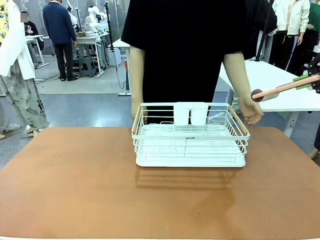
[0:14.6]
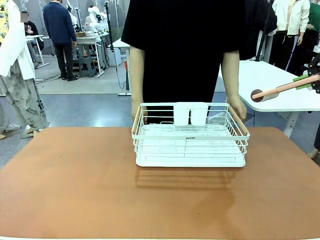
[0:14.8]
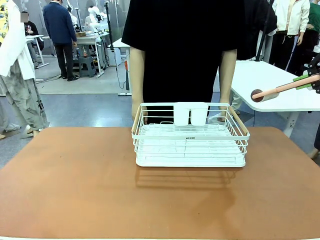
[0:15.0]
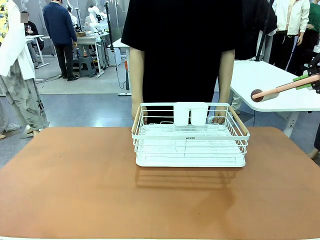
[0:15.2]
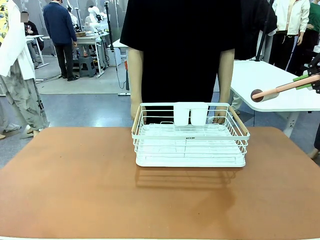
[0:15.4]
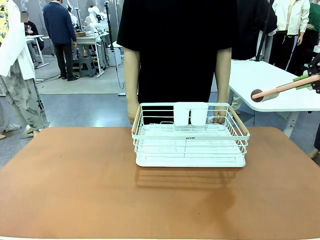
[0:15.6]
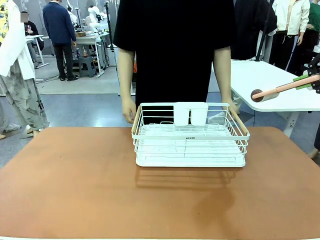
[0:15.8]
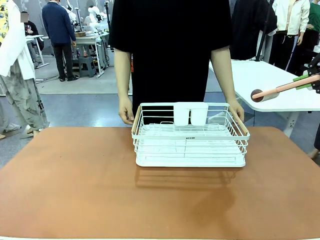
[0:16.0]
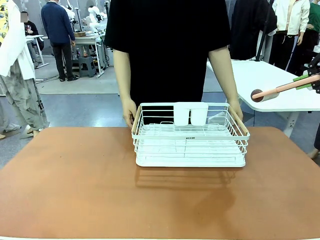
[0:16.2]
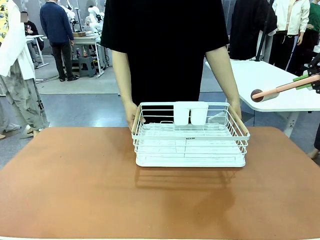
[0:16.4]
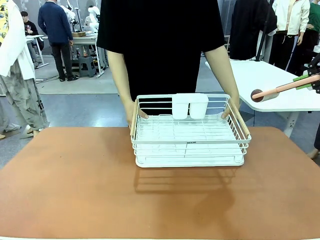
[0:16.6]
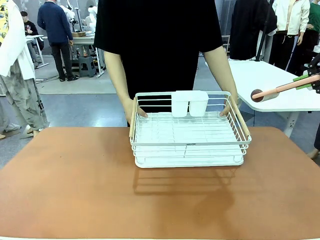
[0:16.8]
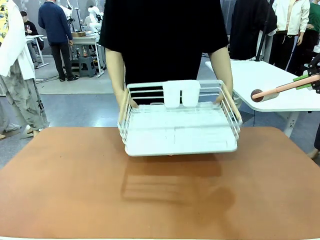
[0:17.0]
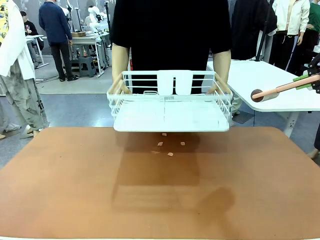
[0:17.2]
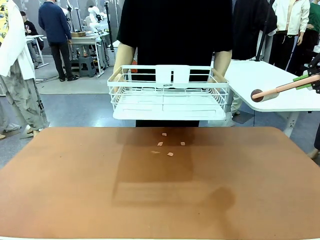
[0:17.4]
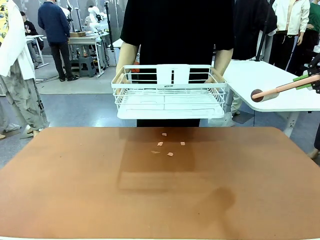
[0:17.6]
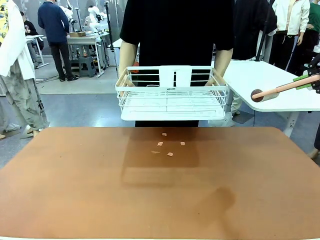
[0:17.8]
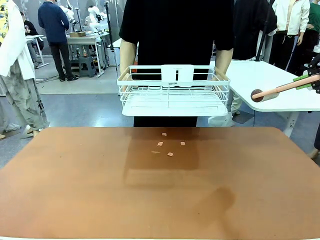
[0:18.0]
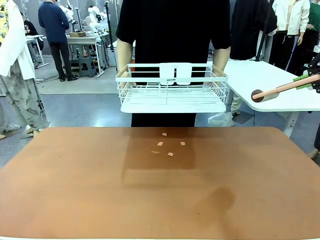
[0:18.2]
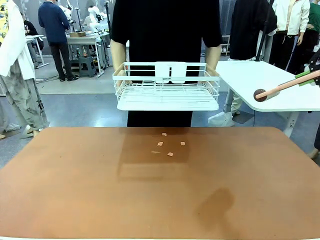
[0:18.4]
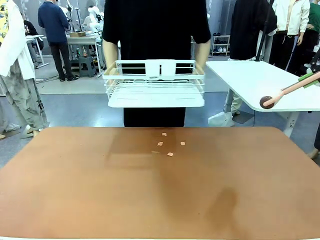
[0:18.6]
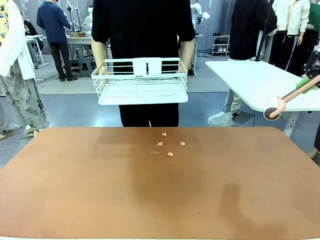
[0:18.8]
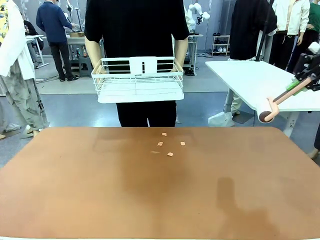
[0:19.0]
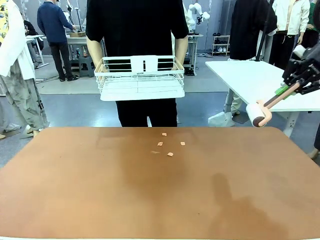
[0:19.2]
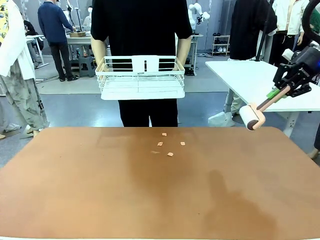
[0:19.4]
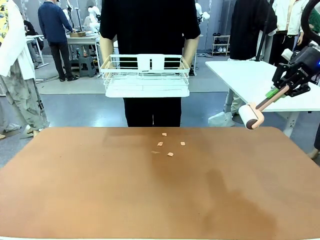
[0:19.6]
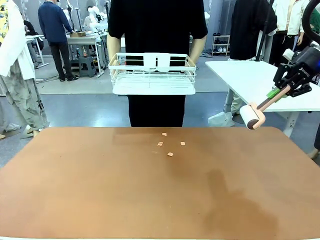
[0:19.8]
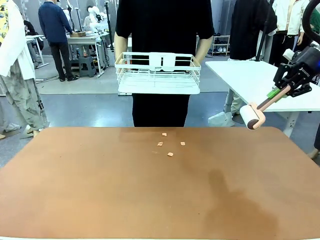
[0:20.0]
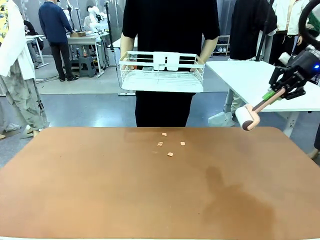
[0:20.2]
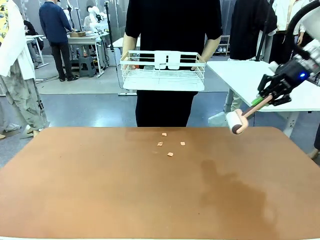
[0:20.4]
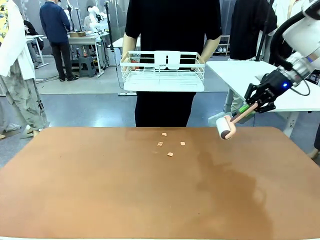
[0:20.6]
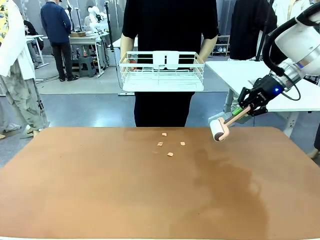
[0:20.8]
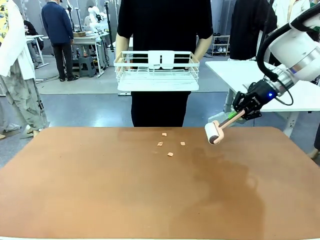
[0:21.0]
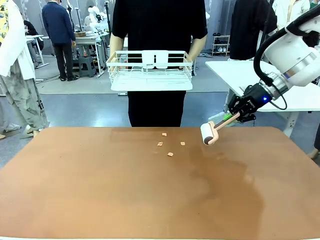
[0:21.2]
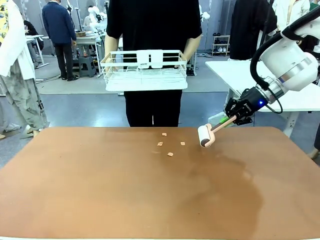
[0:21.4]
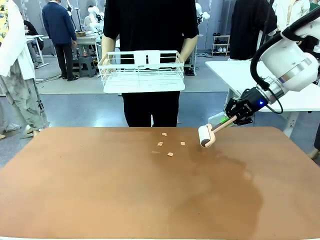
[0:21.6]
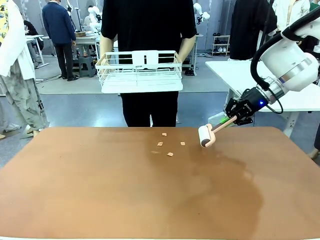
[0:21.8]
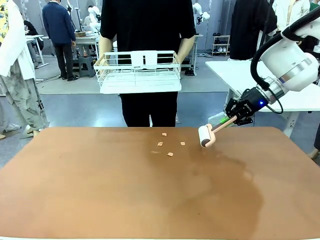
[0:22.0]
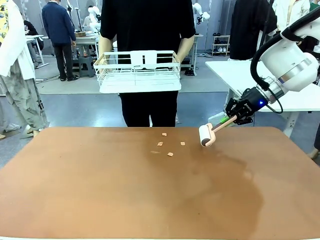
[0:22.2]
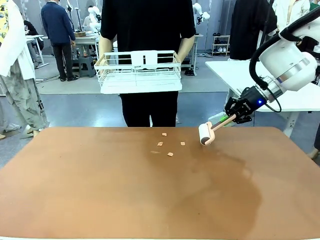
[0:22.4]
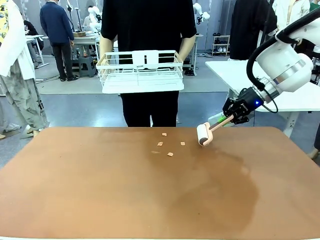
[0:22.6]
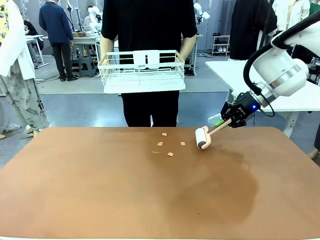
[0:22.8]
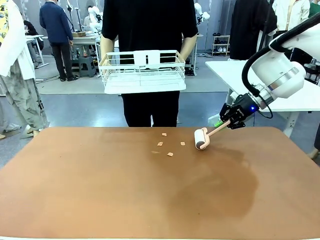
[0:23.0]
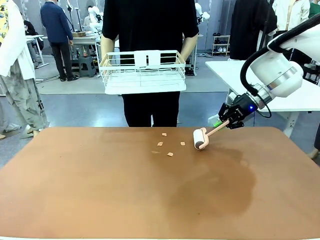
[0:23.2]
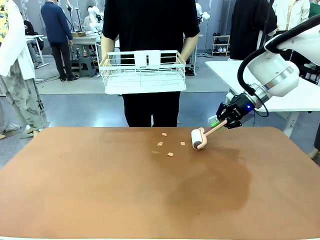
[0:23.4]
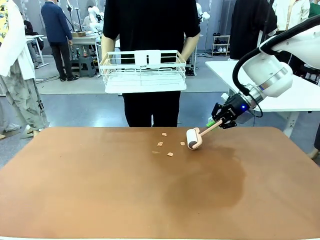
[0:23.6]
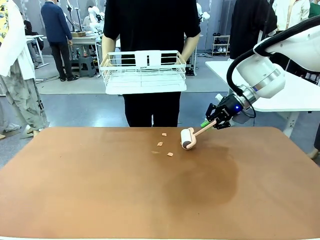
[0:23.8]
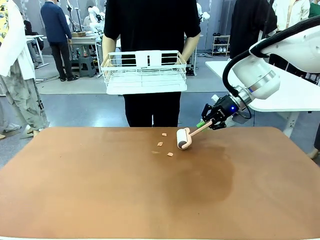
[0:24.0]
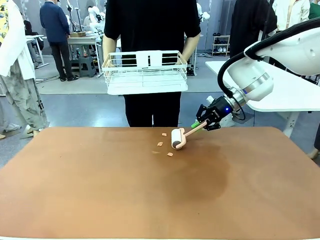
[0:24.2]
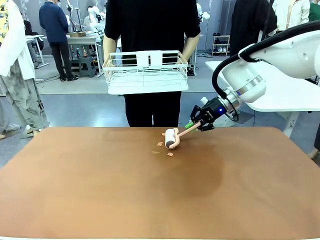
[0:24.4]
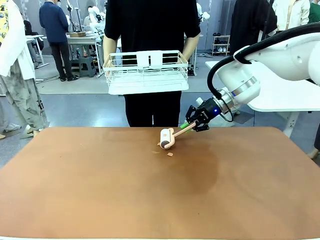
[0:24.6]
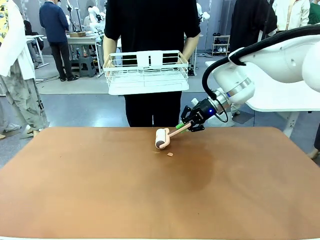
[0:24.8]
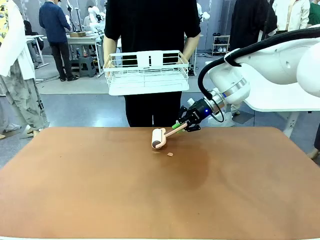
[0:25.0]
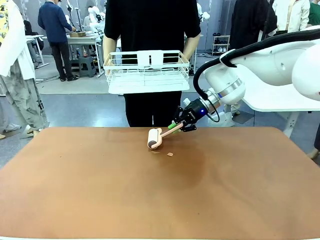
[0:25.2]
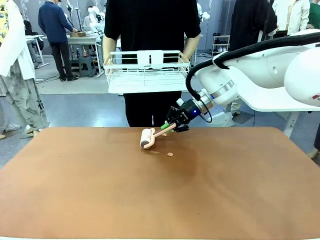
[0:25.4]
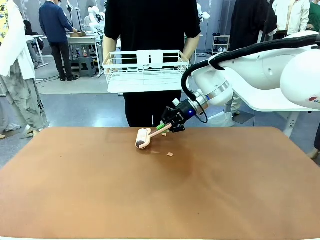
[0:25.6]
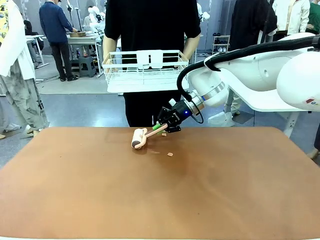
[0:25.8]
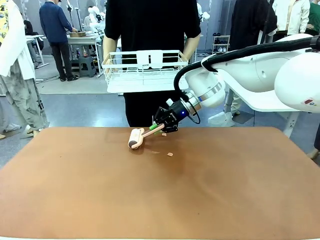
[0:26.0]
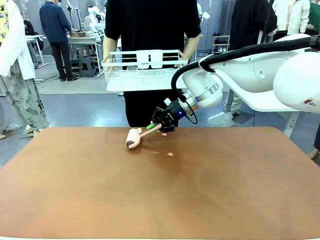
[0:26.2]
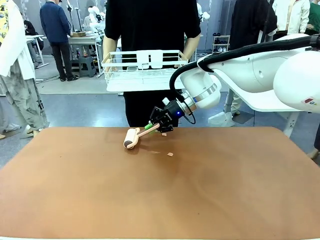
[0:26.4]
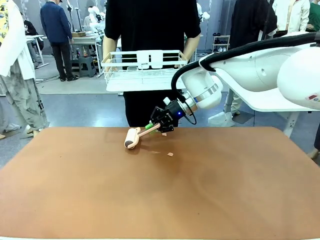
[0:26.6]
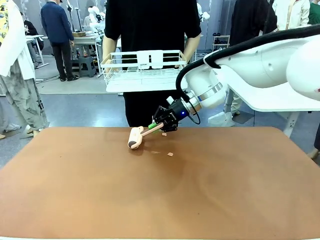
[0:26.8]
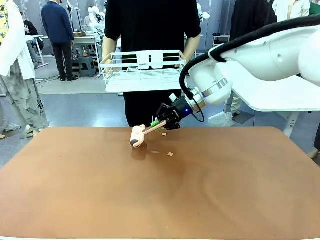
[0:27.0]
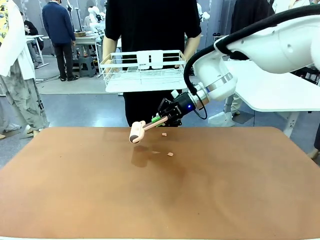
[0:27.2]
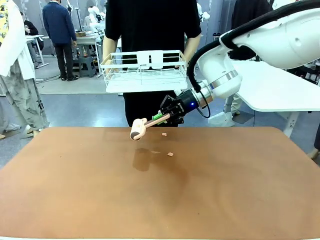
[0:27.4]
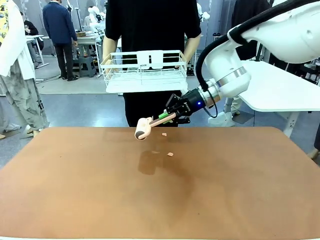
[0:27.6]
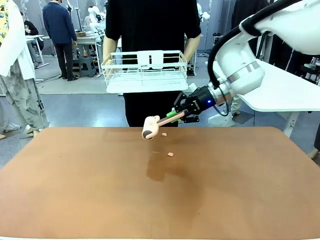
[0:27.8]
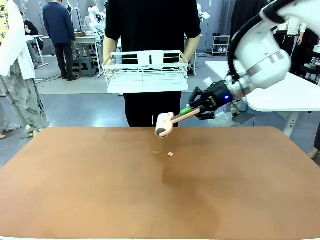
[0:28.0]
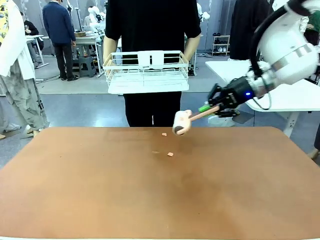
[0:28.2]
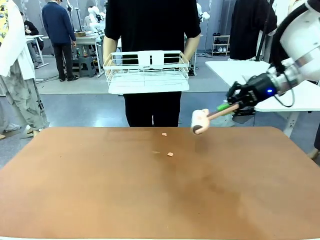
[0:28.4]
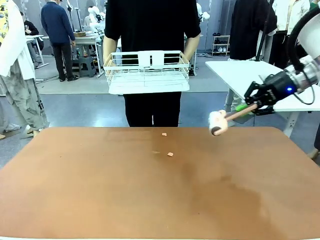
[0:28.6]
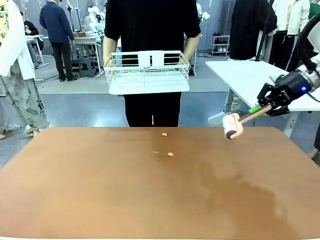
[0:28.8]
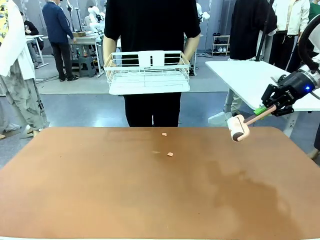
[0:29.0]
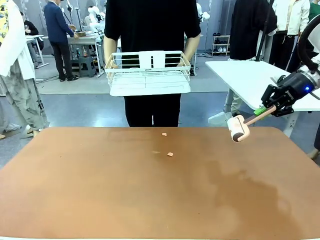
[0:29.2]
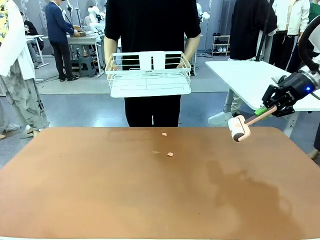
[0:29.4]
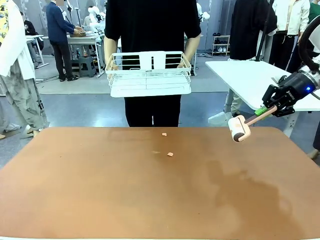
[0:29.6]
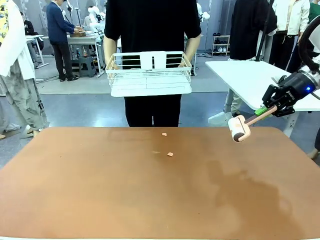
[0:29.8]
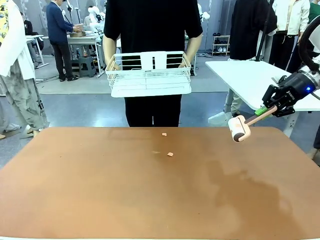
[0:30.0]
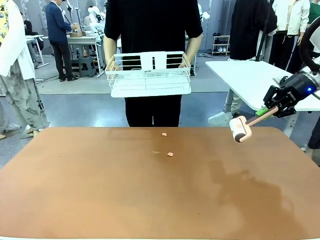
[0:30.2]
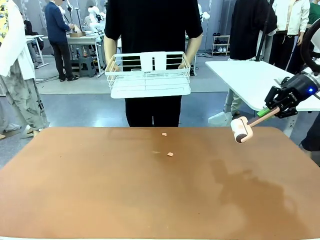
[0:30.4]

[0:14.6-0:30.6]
Task: Clean the table.
Robot: Clean the table with the Lint Roller when the human lifts the Dish drying rack.
